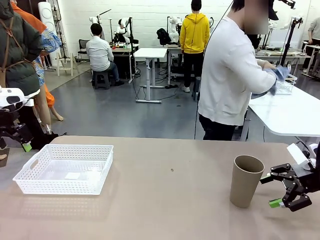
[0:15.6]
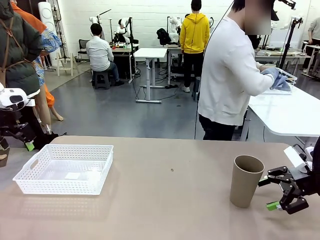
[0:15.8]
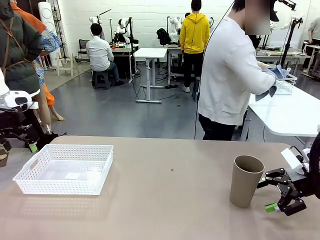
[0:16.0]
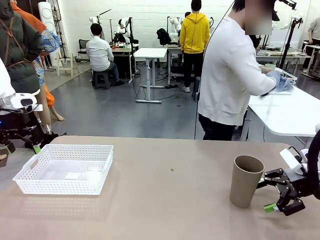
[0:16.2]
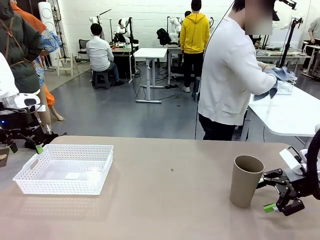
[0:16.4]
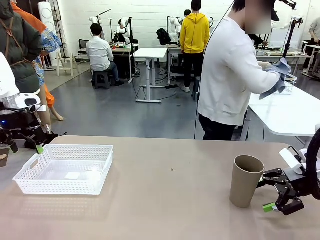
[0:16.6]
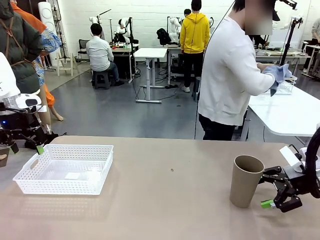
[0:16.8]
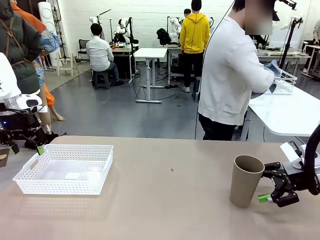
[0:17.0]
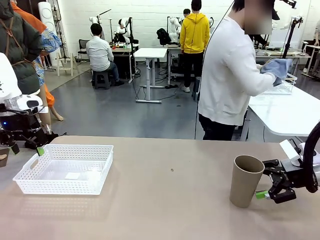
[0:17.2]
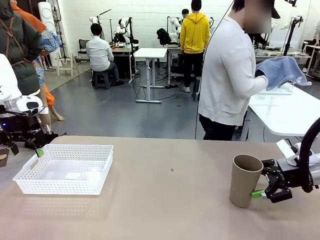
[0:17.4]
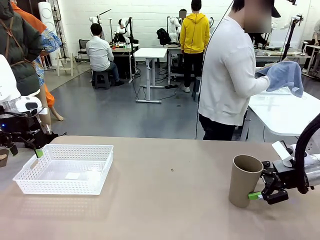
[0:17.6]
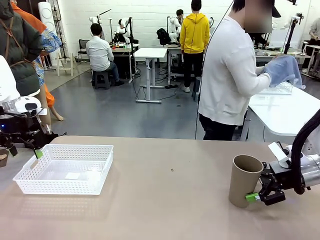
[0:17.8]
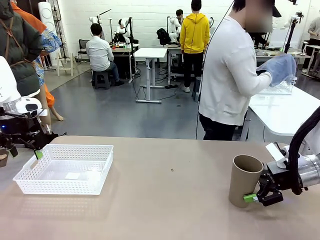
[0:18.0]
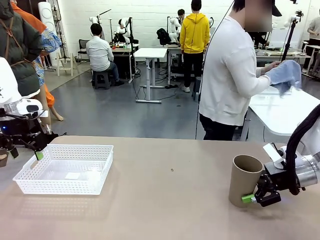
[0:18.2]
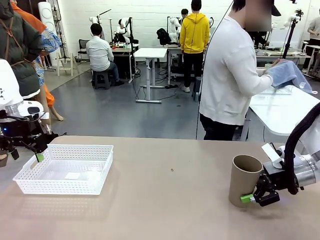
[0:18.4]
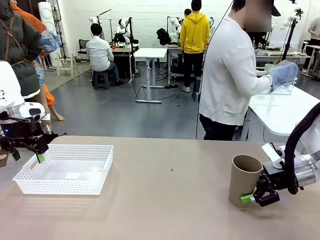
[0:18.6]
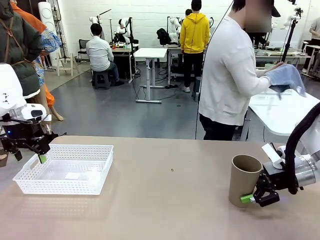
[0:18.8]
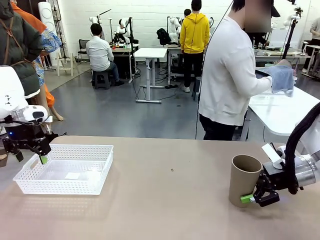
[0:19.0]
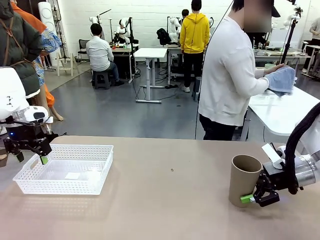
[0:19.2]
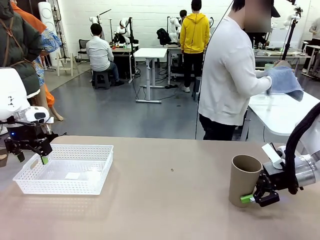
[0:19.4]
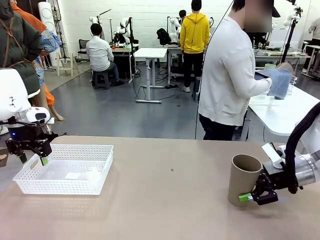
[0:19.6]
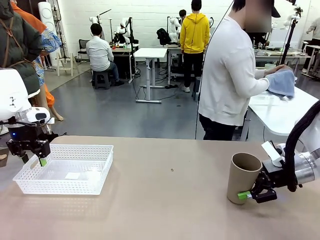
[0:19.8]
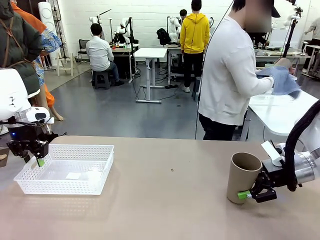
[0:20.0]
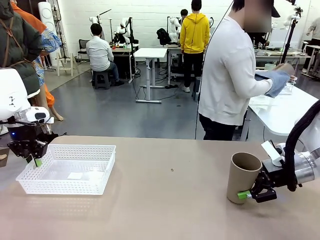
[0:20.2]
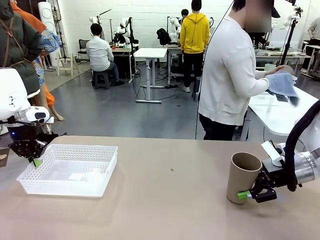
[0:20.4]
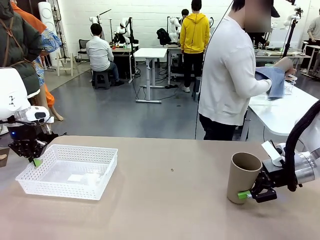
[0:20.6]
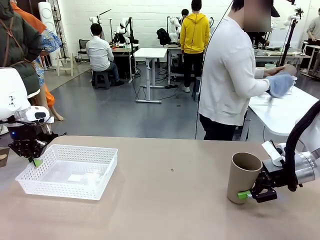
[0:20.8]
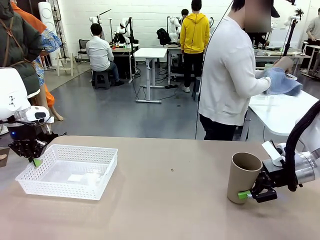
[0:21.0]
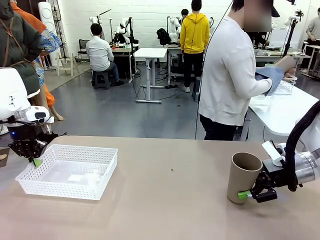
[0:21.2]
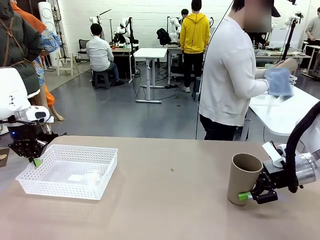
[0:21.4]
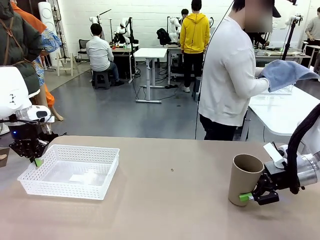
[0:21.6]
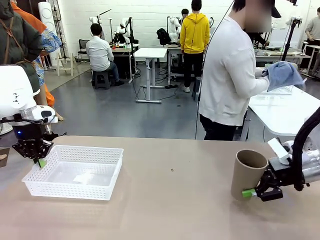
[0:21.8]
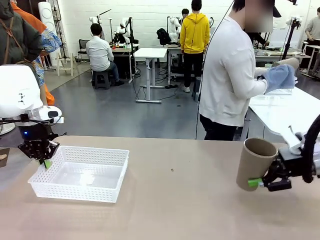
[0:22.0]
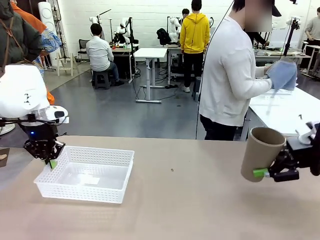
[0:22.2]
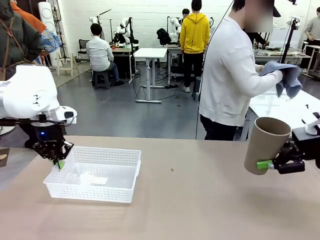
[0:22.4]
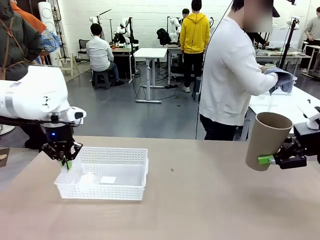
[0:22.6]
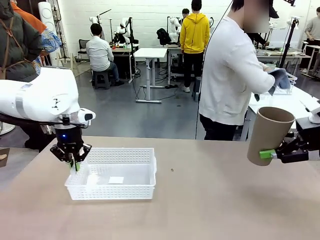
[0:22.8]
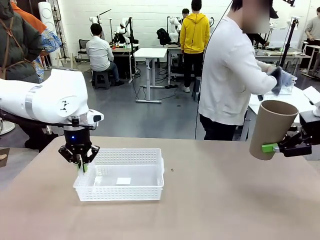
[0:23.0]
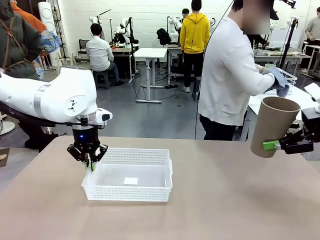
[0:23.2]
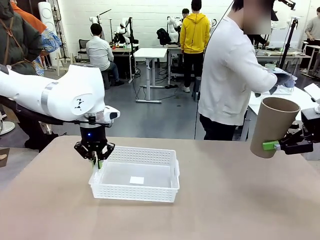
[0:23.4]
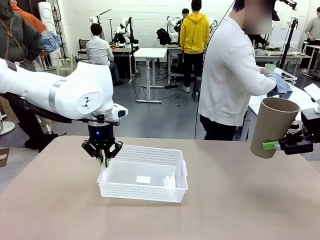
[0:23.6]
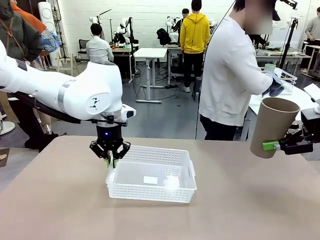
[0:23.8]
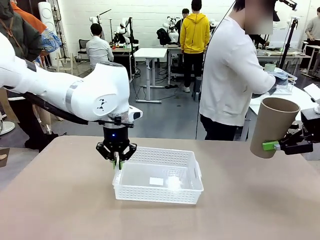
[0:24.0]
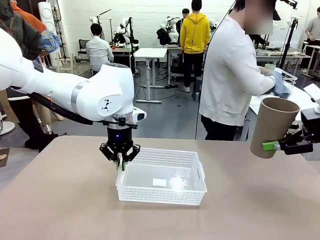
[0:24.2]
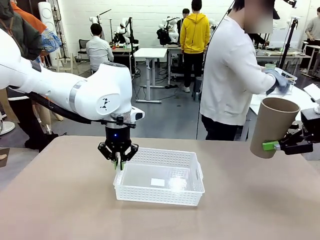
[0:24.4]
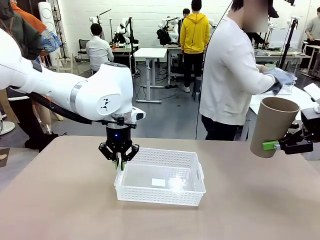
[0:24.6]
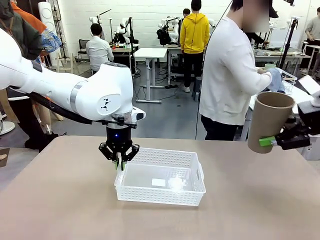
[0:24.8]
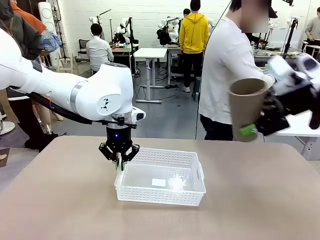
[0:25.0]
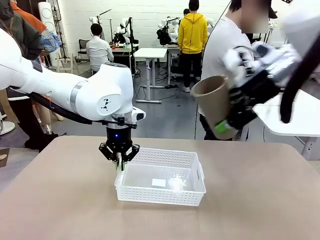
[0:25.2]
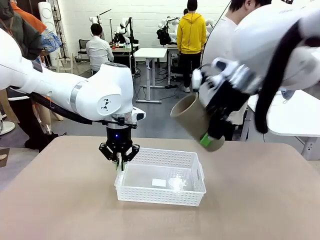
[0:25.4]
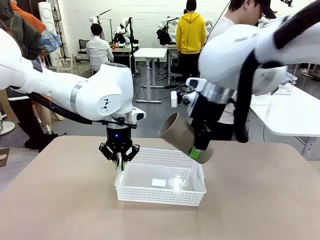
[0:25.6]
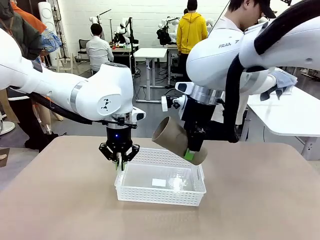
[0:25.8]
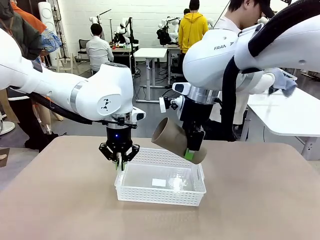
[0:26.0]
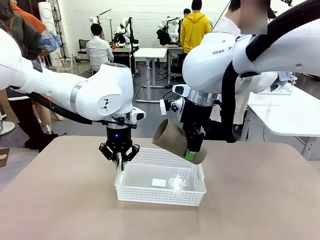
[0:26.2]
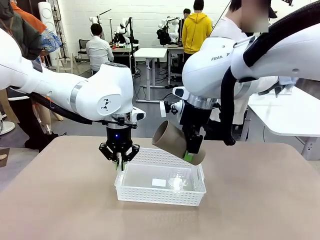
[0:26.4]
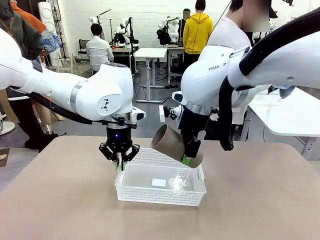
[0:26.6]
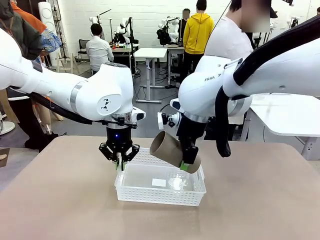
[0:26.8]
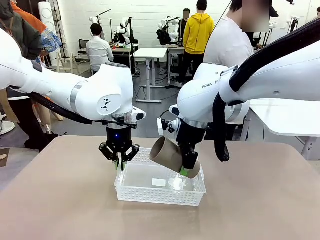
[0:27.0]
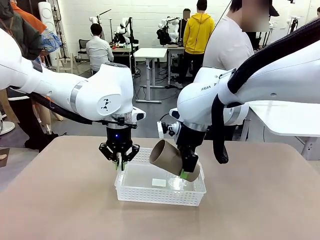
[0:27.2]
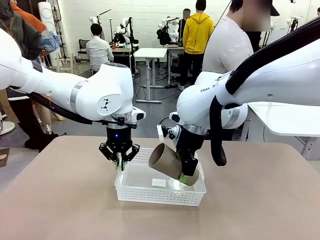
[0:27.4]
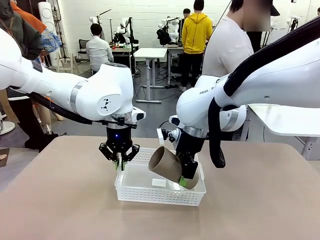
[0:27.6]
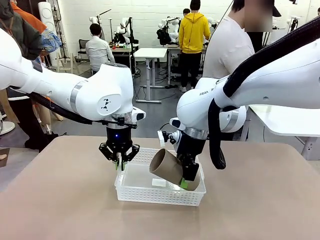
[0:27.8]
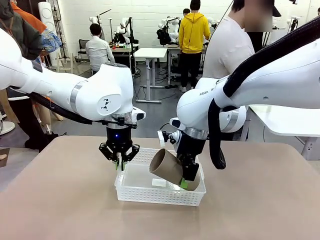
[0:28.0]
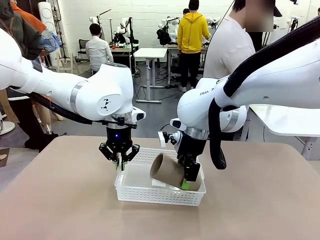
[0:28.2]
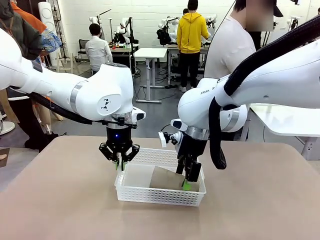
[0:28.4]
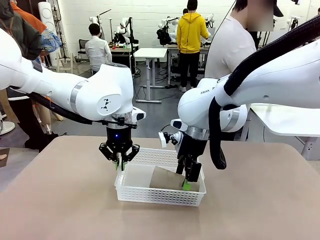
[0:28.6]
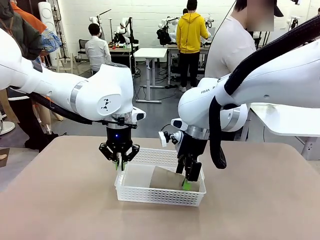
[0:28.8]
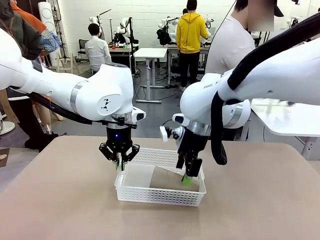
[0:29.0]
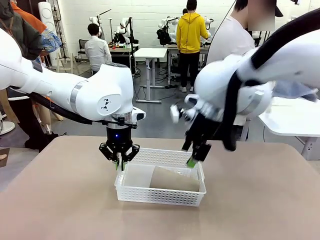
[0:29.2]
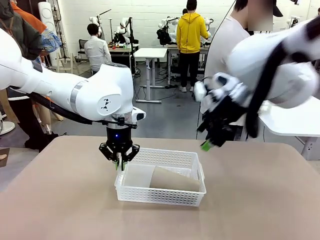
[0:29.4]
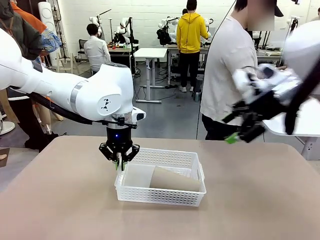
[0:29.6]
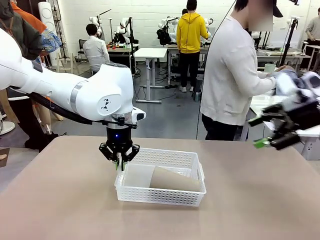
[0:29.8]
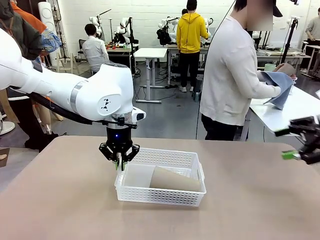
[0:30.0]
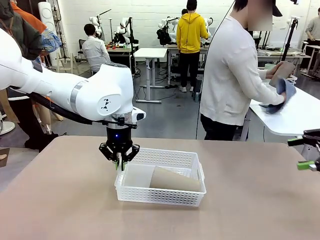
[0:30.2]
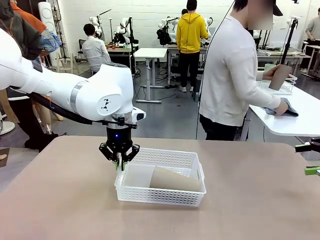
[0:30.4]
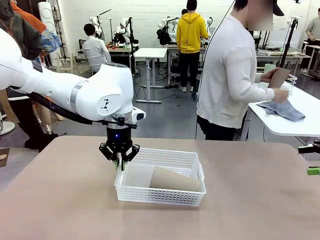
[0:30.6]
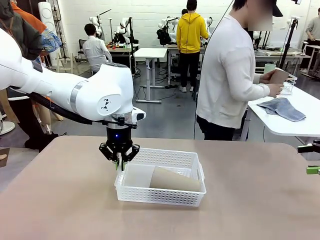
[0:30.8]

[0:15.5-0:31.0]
Task: Clean and organize the cups into the basket.
Robot: Pick up the Organizing basket and move it to the center of the table, then pick up the Reusable plastic cup from the right side of the table and place it inside the Organizing basket.
